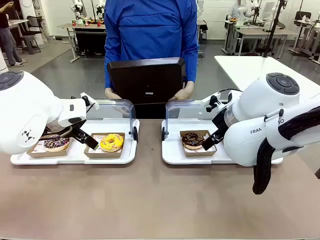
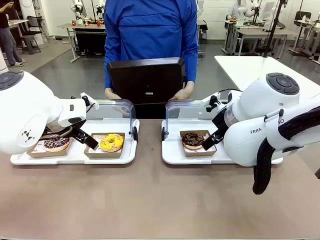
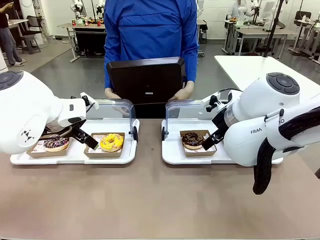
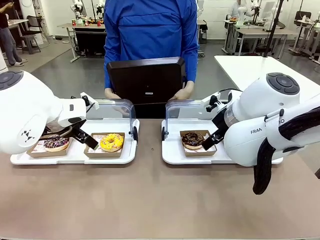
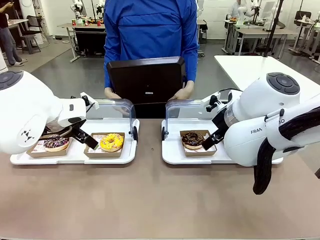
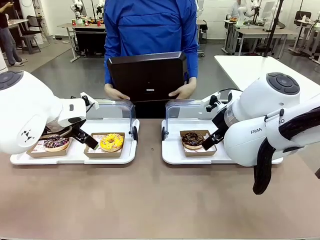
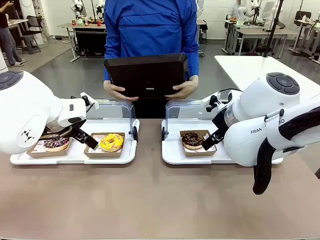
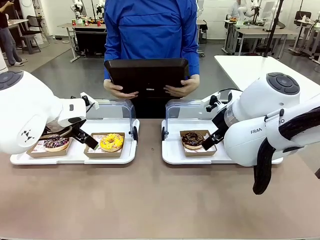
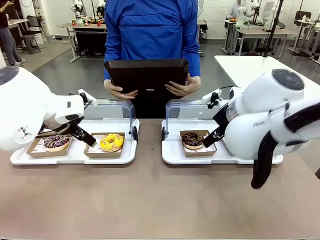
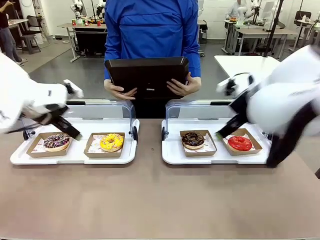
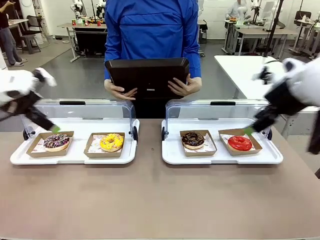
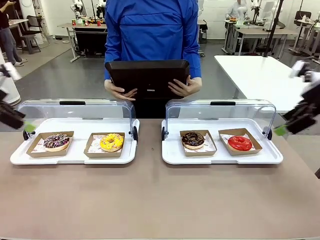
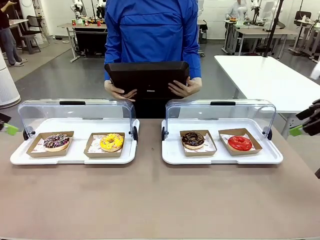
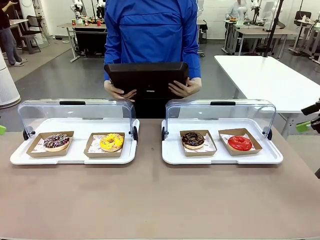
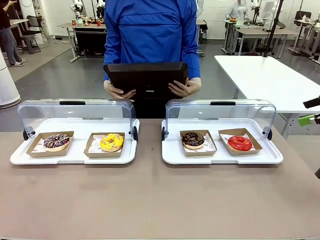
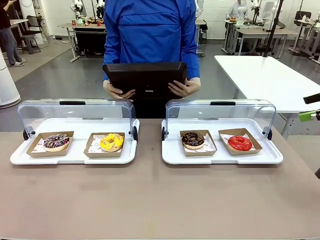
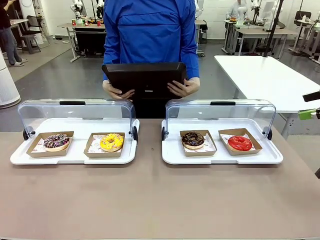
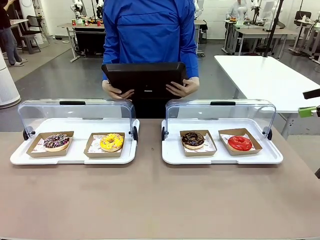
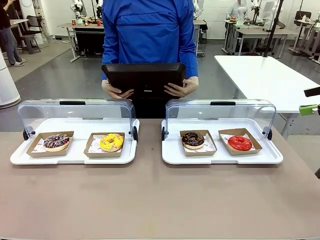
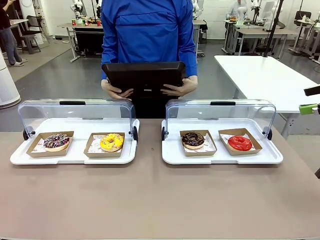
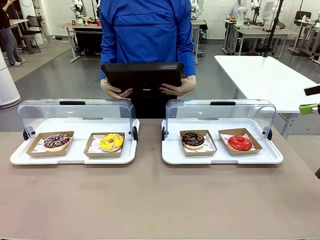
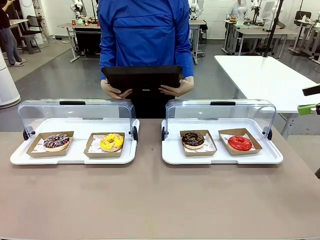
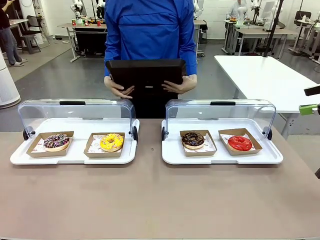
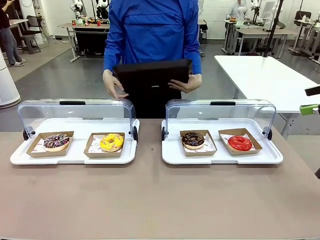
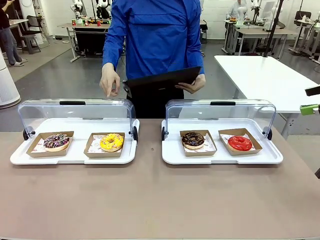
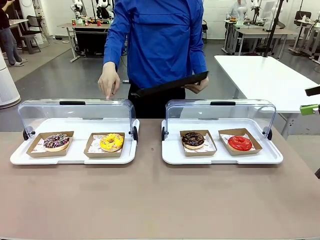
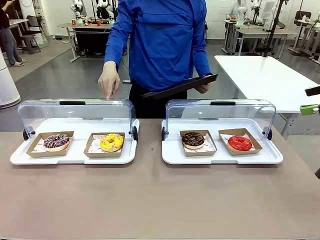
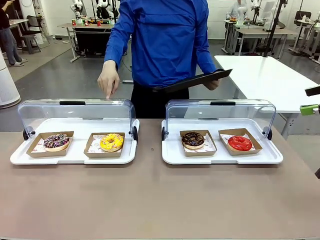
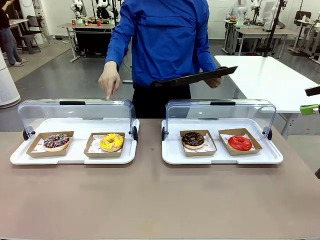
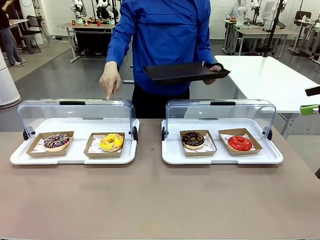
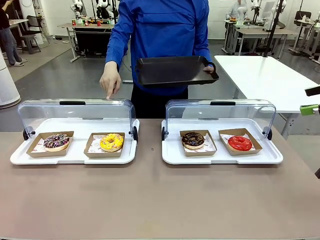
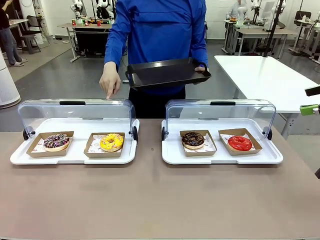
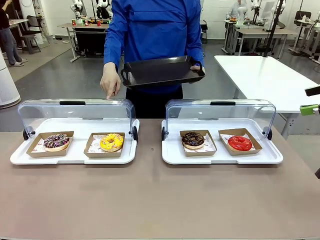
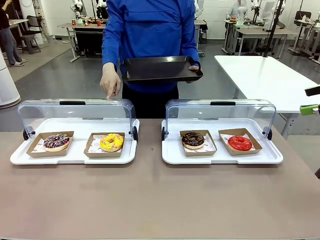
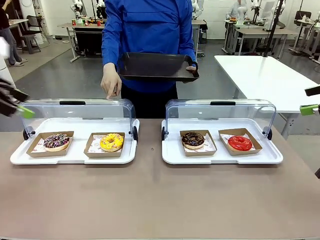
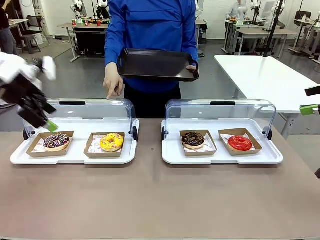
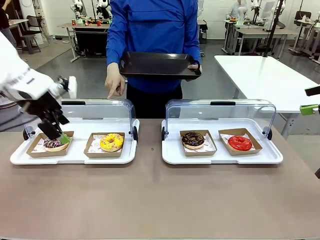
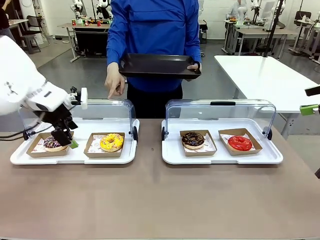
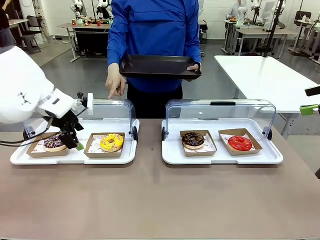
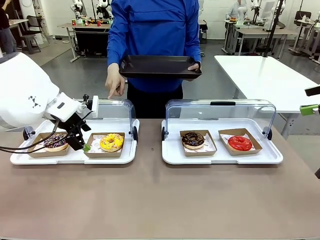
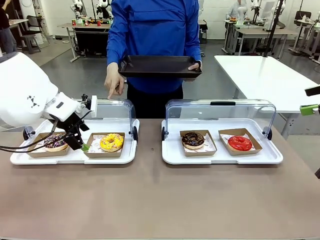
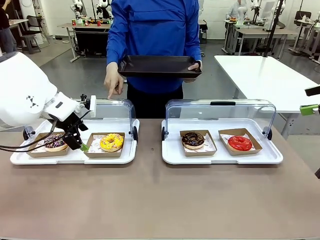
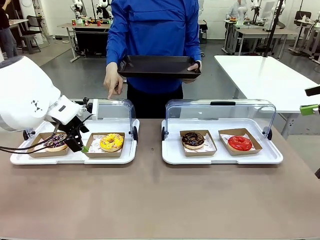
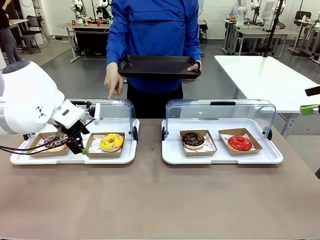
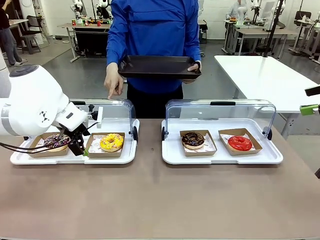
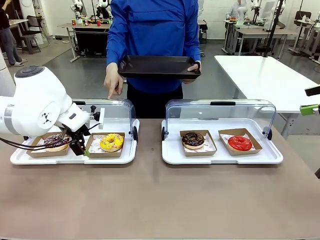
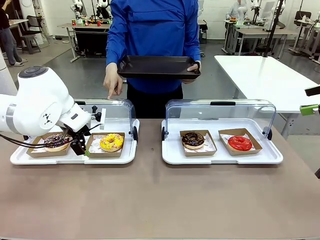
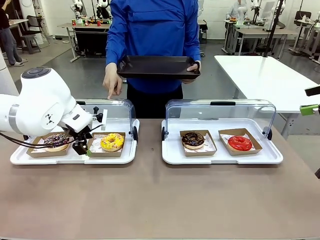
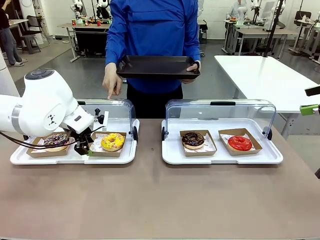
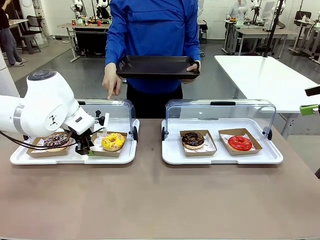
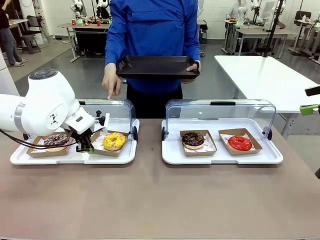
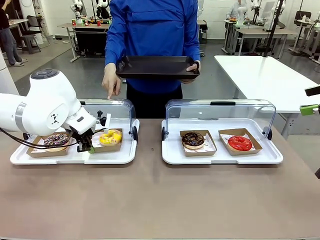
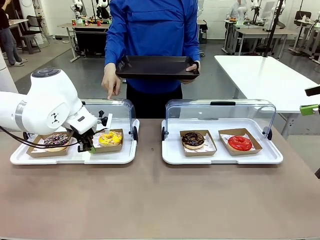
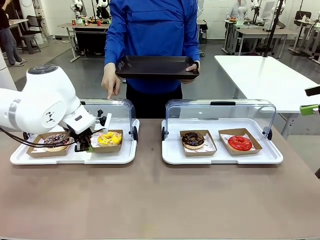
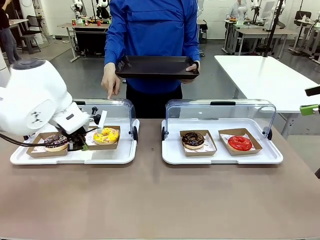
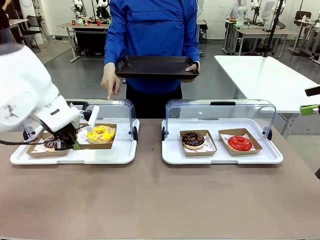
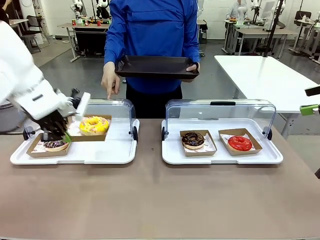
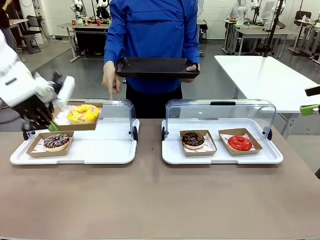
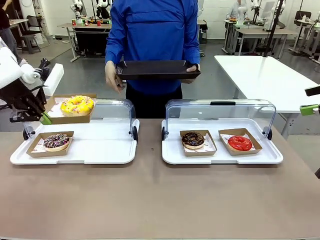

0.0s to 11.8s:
Task: Provide the desired donut to the person.
Robot: Pick up and lift the Paper togo box containing the Donut pointed at by the person.
Person: Point to one donut. Lift the tray onto the Roll-Top Bakery Case.

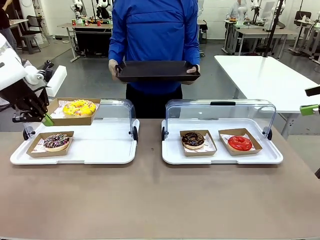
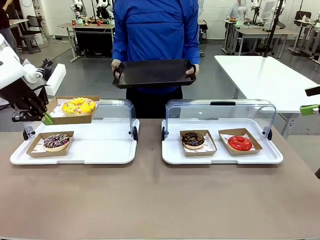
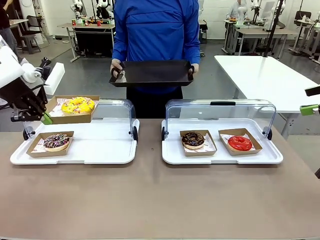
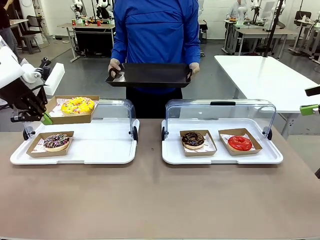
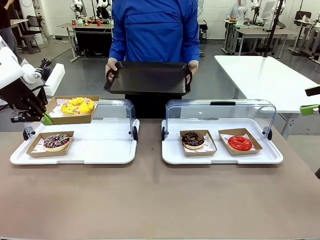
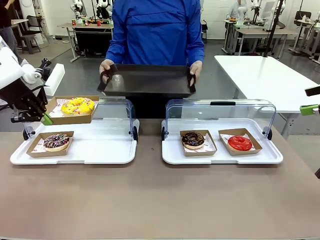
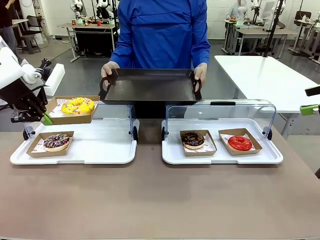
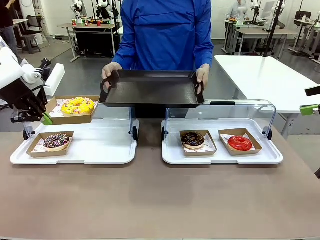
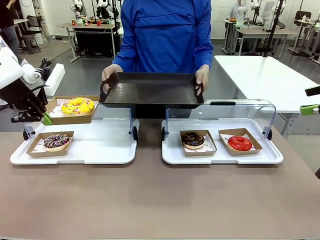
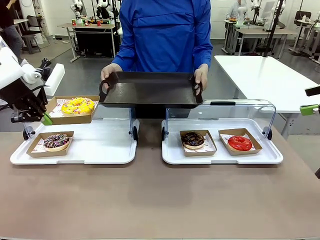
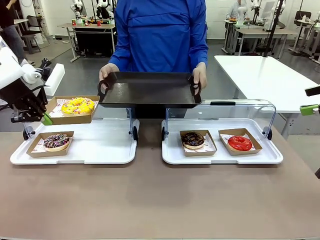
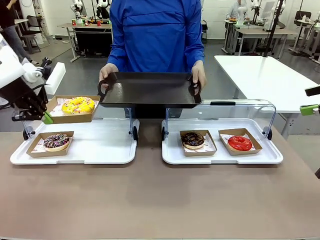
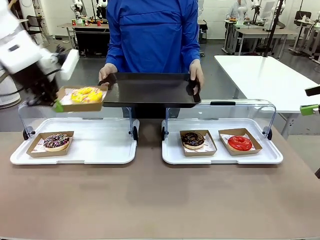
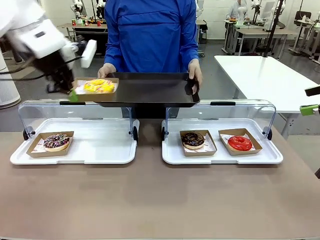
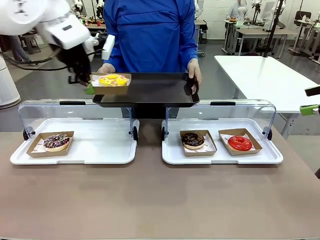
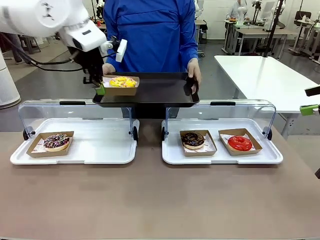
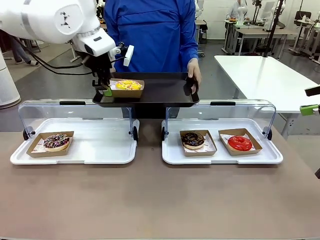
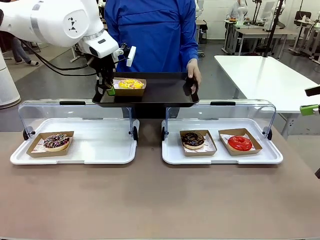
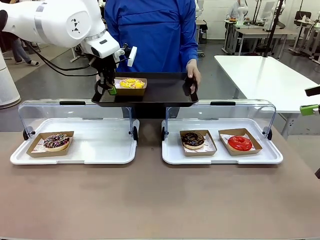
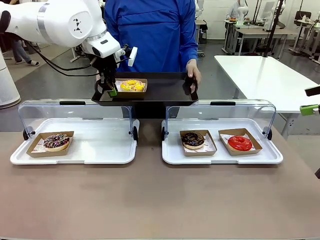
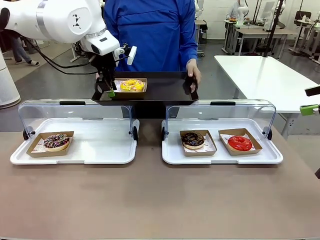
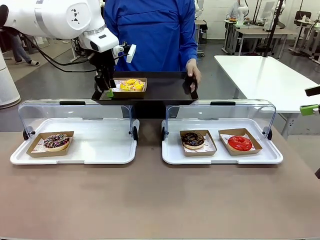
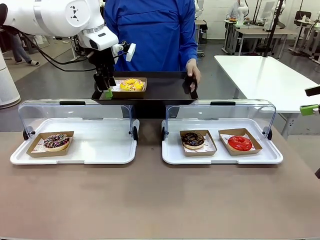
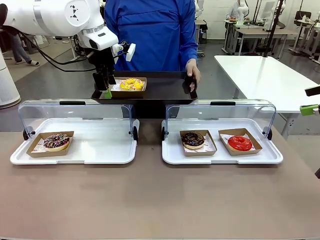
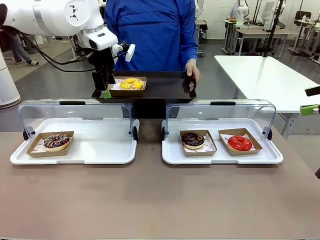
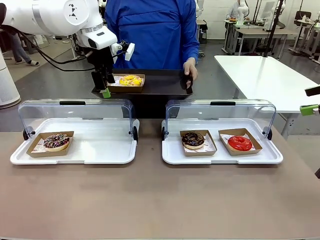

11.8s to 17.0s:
Robot: Place the picked Paper togo box onto the Handle tray extended by the person.

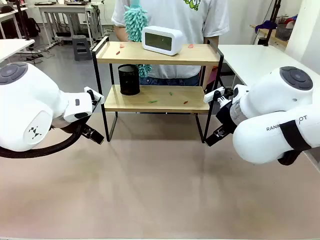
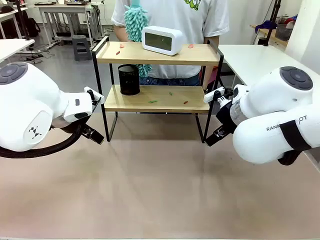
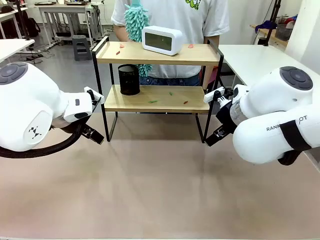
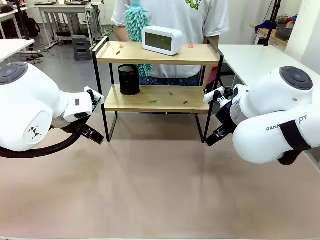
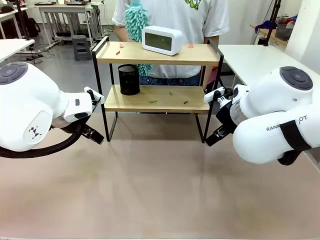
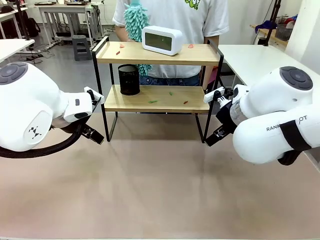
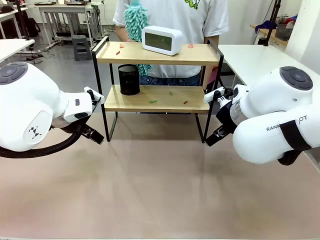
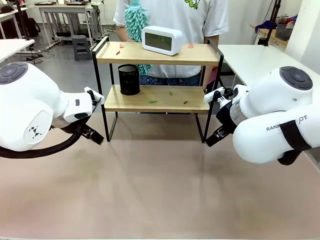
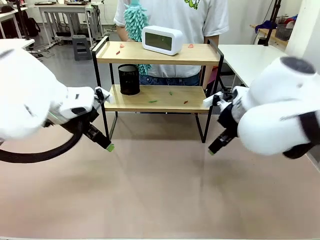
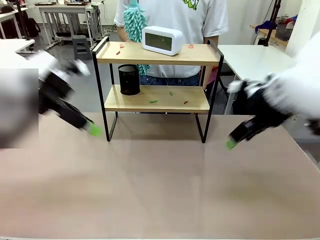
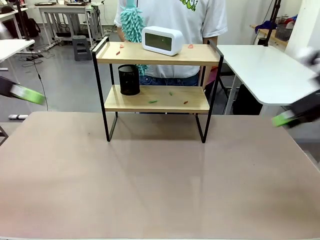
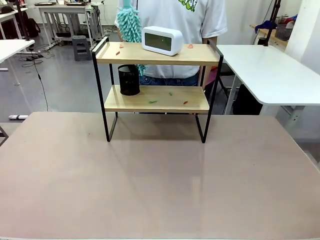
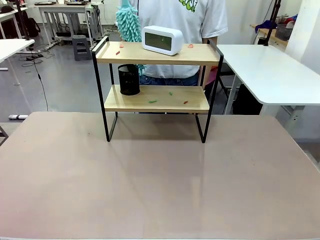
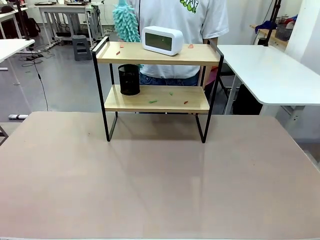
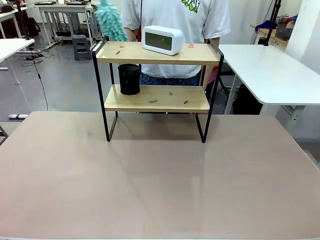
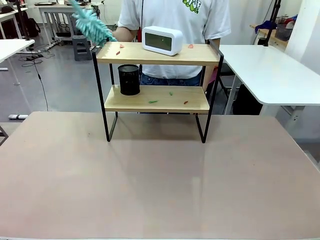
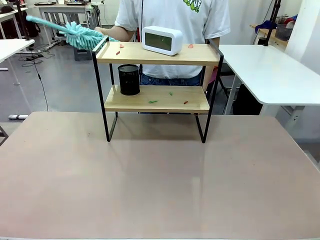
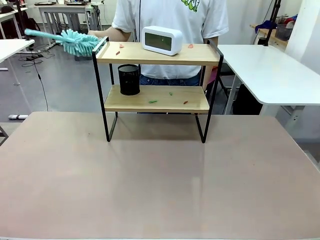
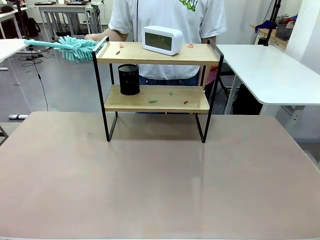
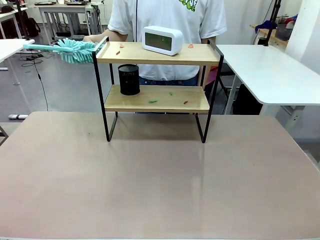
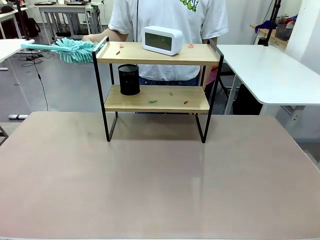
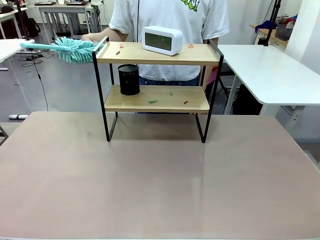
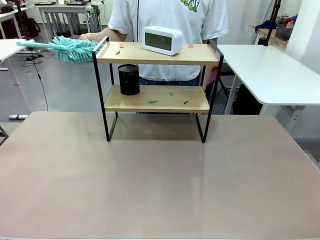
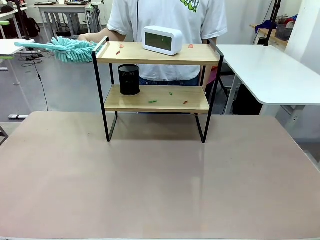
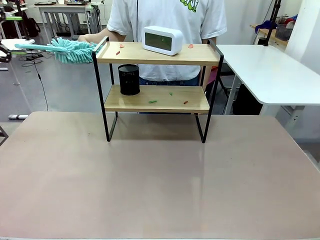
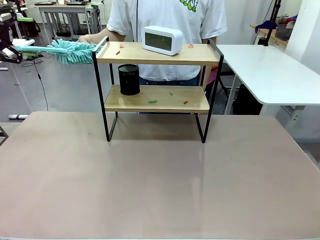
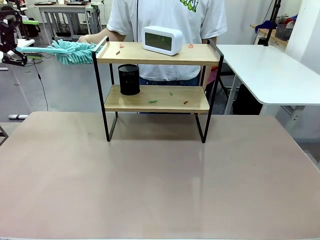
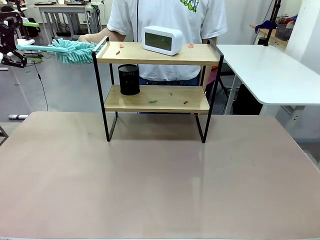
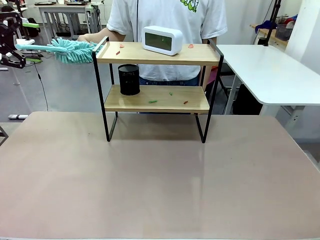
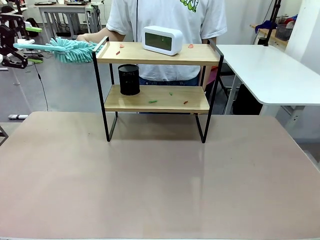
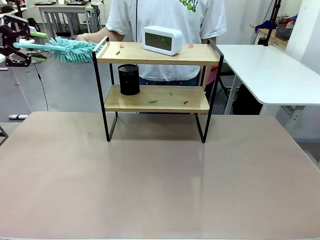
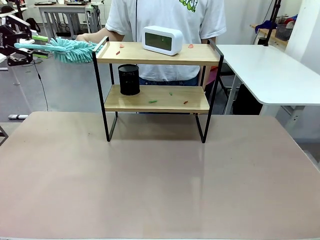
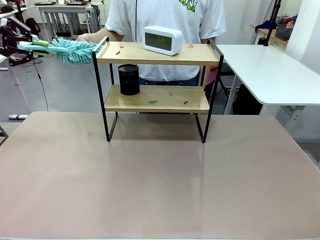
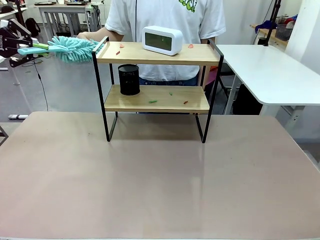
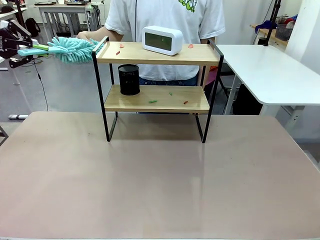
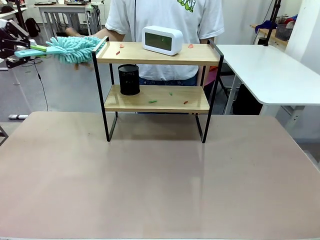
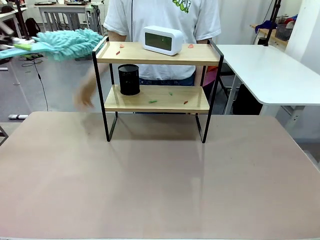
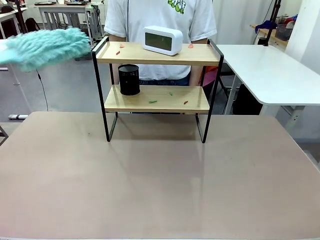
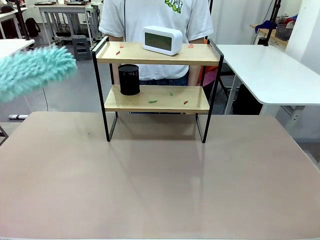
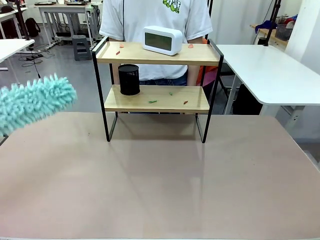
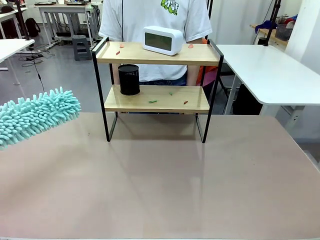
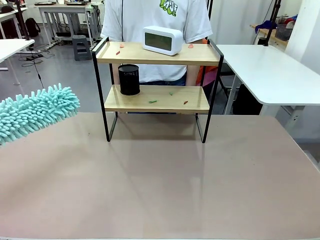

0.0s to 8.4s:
Task: Clean the shelf.
Robot: Pick up the Duster from the human.
Person: Hand the Duster to the robot.
